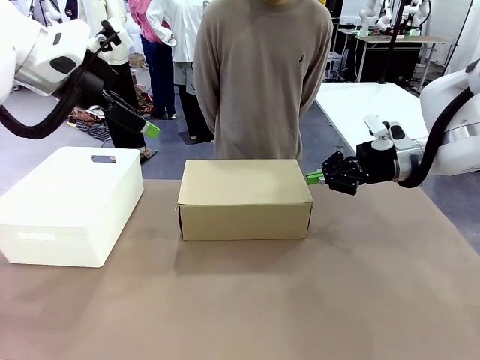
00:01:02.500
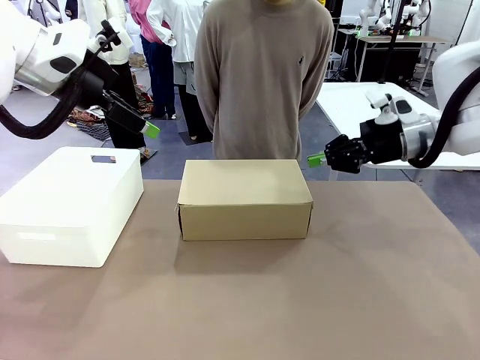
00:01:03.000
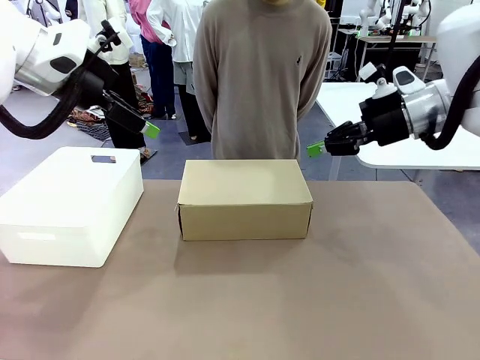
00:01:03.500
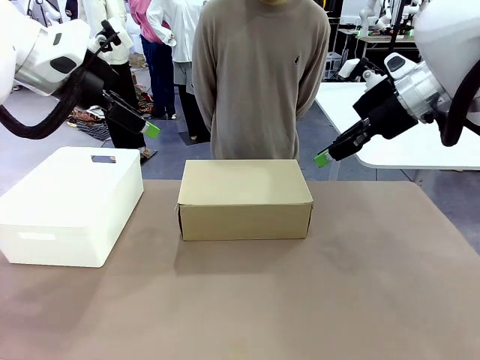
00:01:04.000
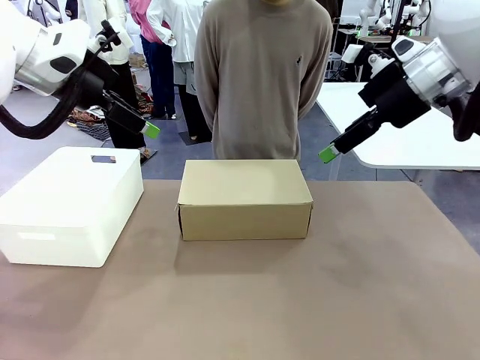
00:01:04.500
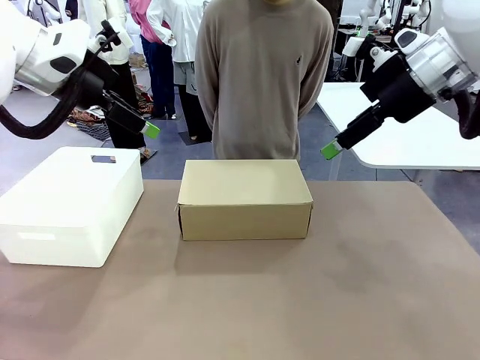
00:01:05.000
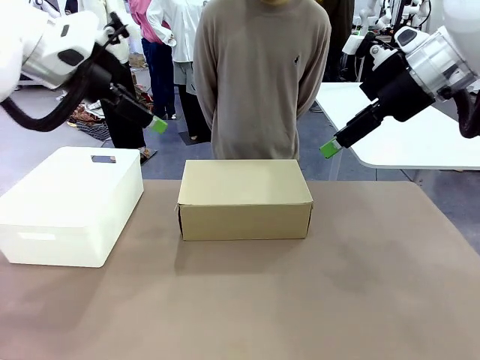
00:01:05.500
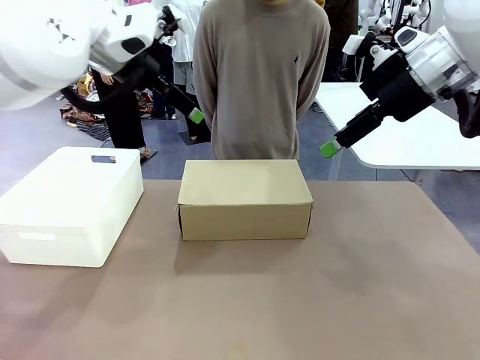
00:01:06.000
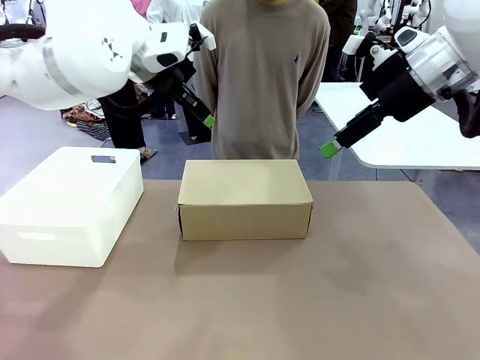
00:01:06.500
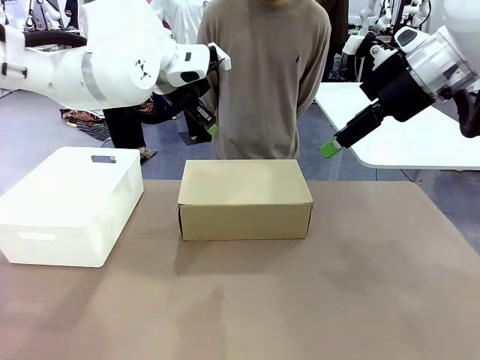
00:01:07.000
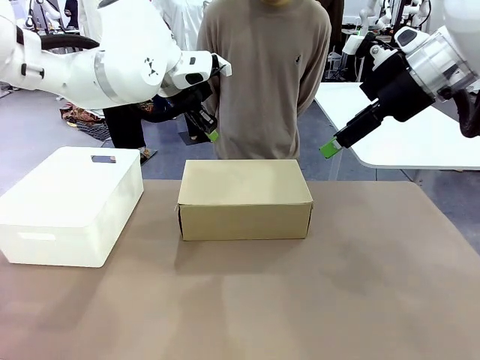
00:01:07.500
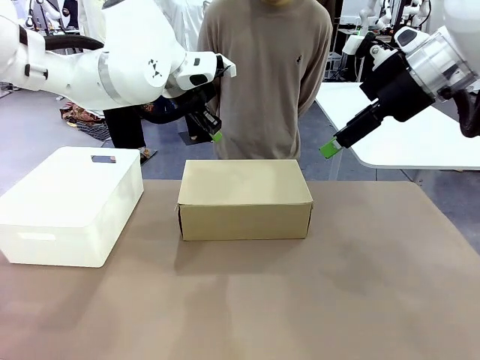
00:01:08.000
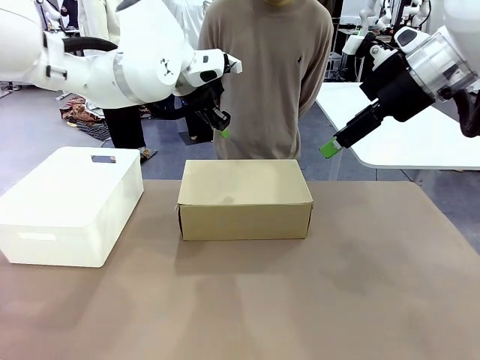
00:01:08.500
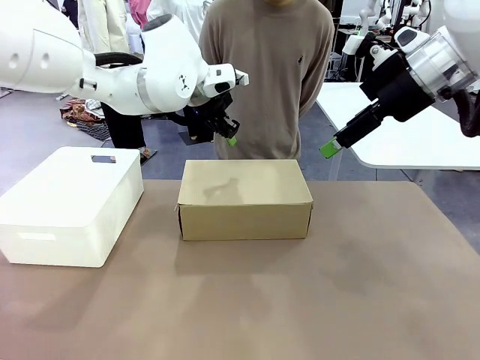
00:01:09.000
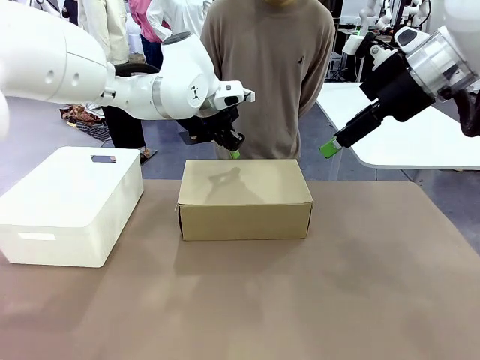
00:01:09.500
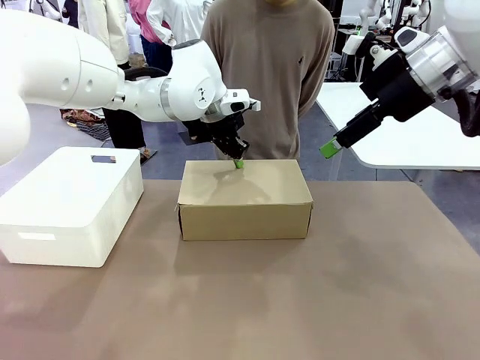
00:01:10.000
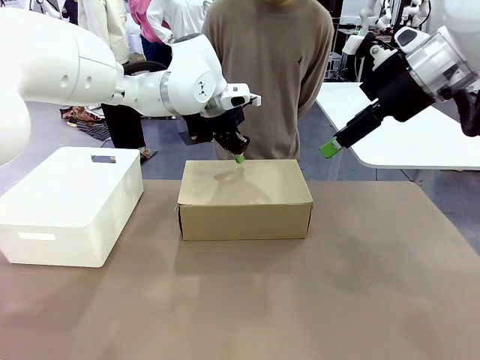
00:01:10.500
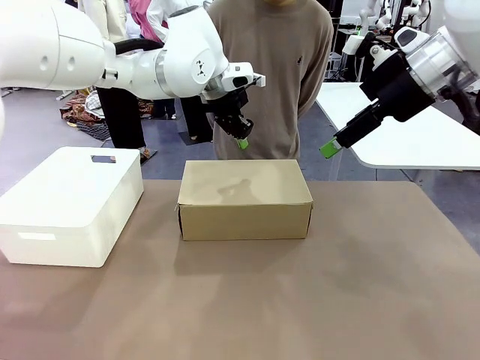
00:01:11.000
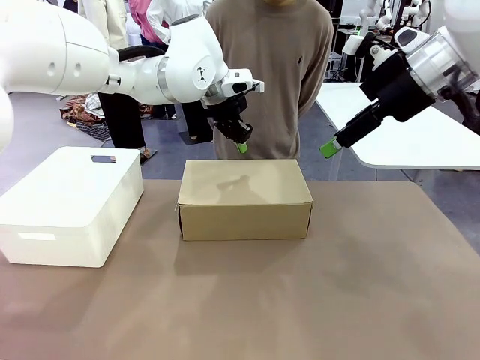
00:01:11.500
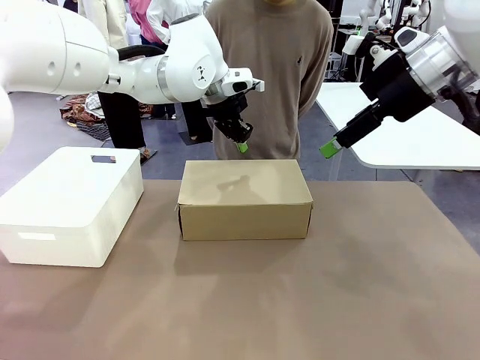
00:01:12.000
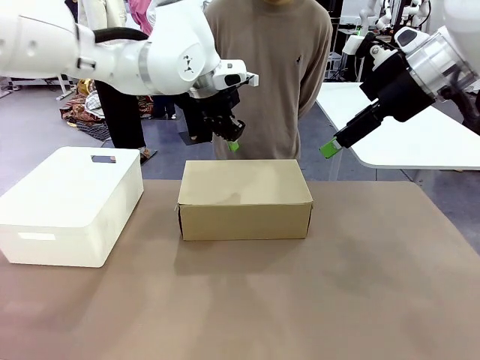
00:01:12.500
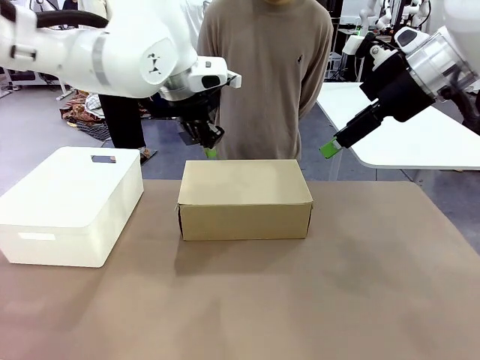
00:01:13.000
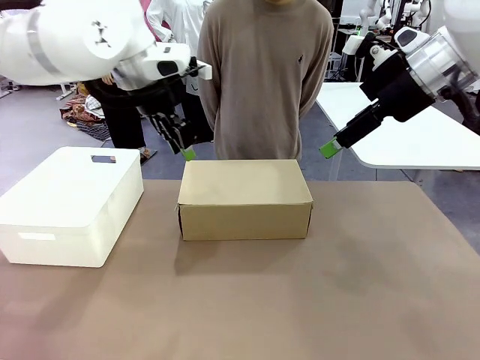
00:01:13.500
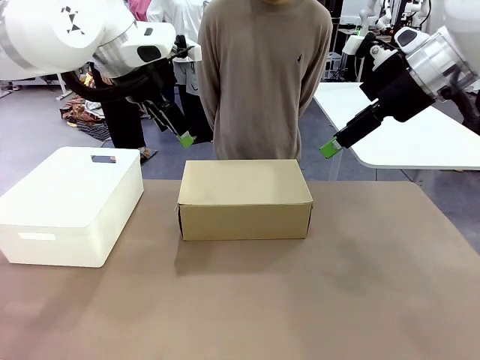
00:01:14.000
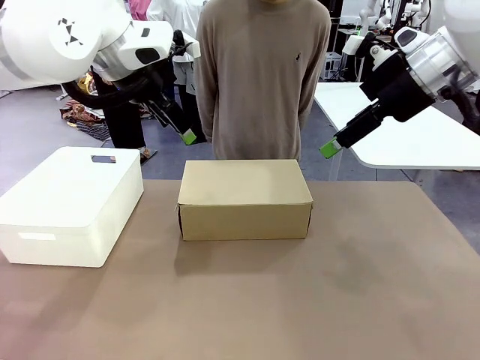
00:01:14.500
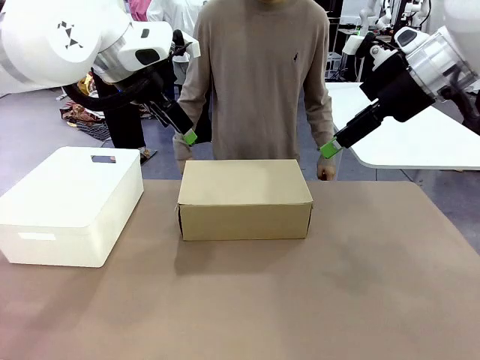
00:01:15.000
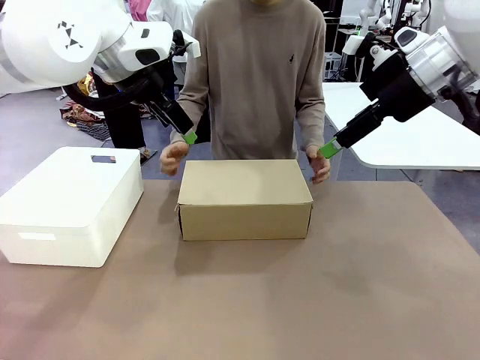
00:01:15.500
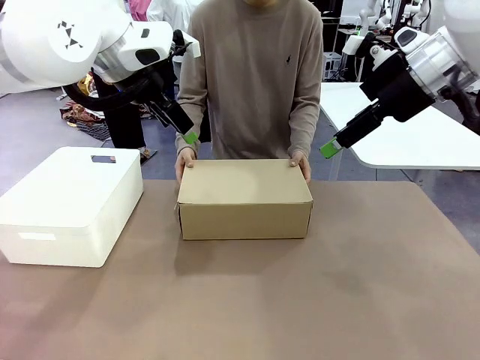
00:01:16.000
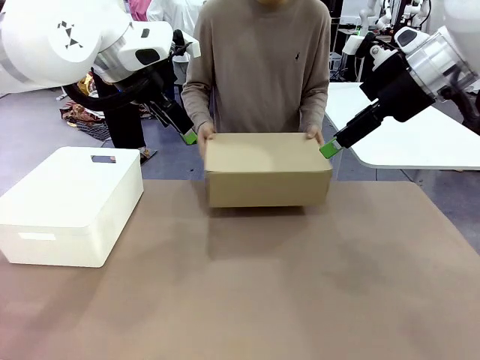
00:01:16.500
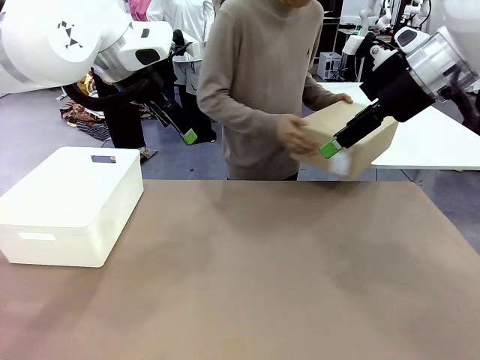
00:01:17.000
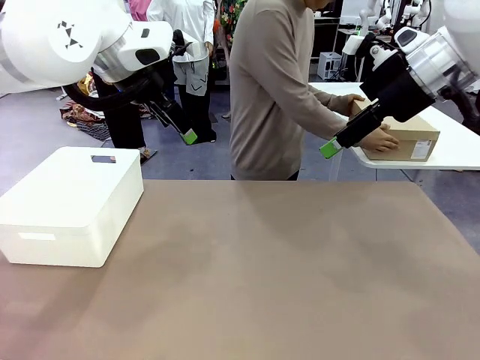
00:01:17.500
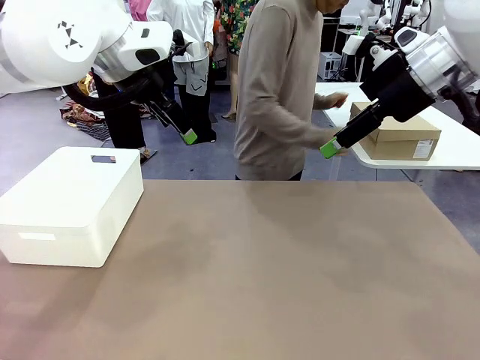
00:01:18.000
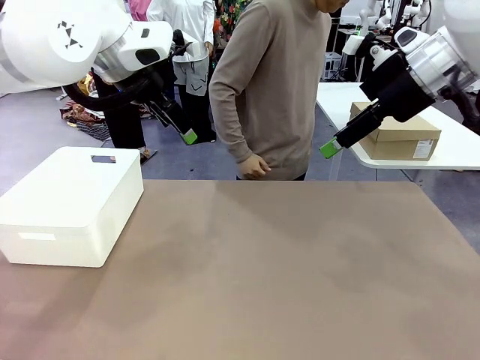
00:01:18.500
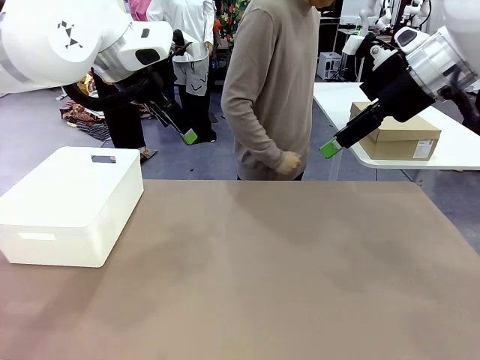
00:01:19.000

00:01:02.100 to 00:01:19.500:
Task: Pack the shoes into the box.
Robot: Press down on the lid of the Shoes Box.
Person: Place the closed Shoes Box to the right side of the human table.

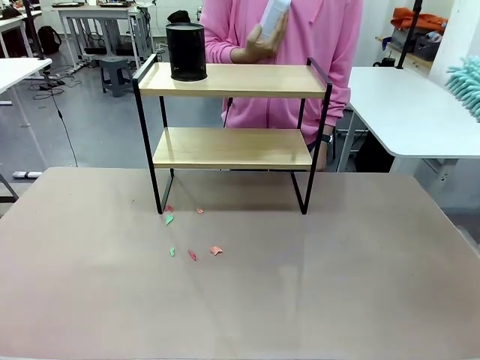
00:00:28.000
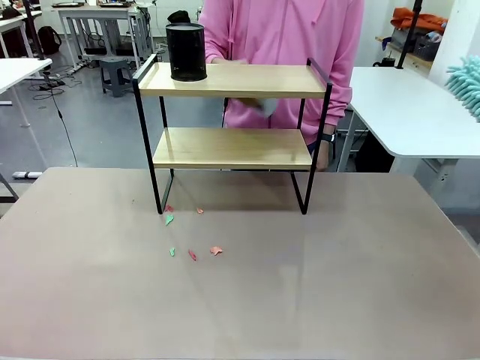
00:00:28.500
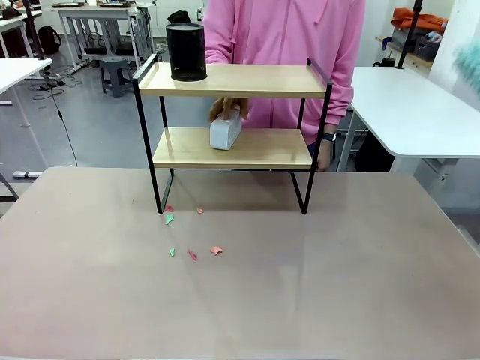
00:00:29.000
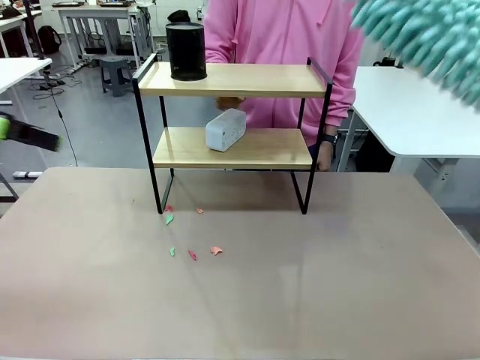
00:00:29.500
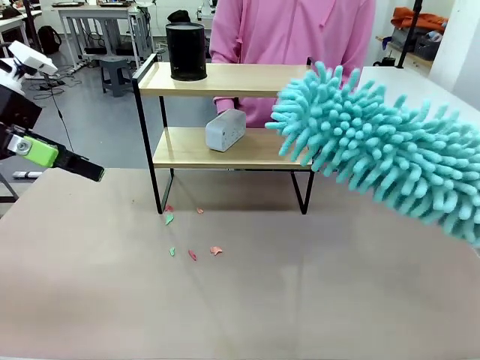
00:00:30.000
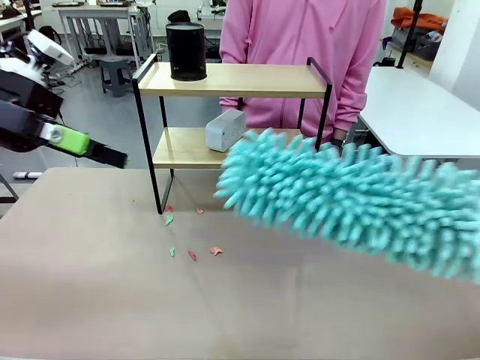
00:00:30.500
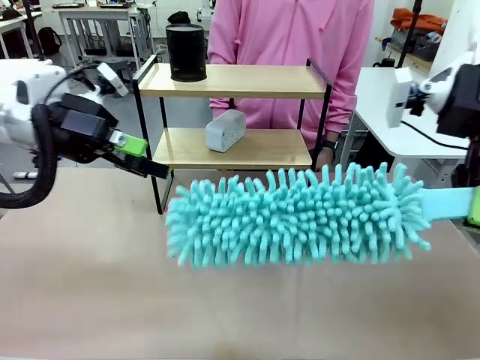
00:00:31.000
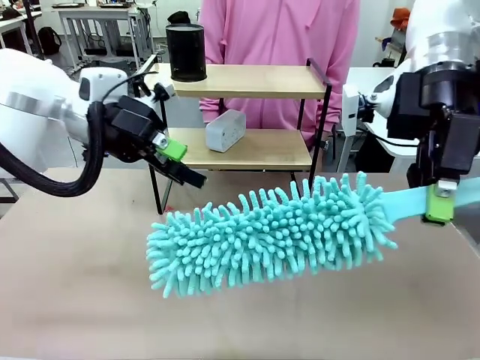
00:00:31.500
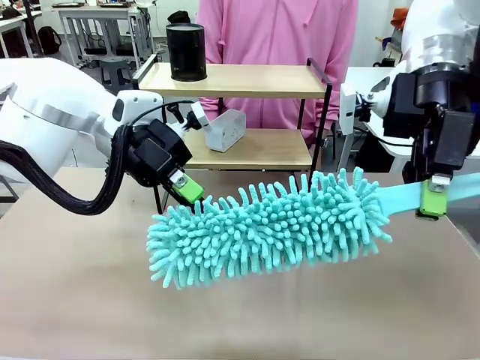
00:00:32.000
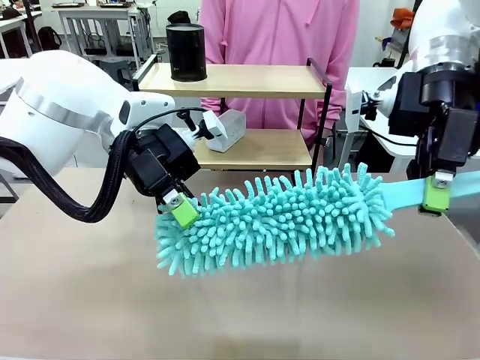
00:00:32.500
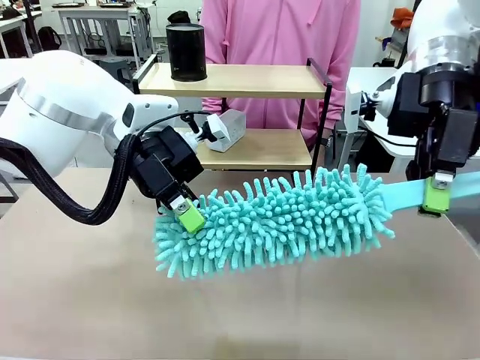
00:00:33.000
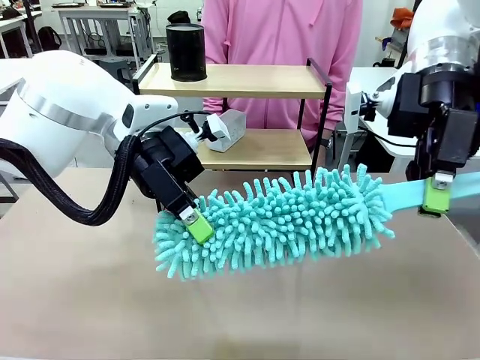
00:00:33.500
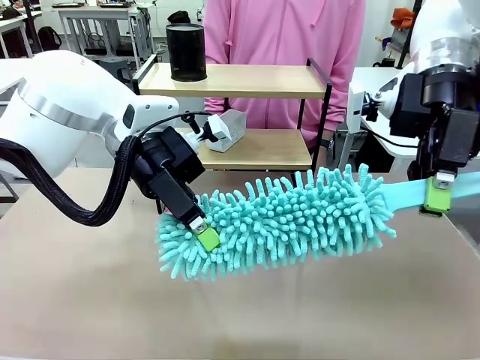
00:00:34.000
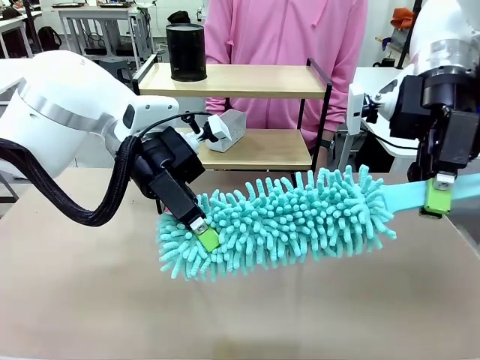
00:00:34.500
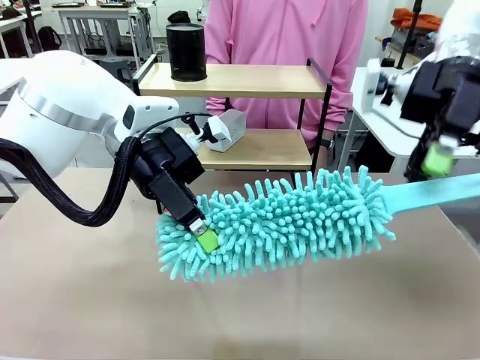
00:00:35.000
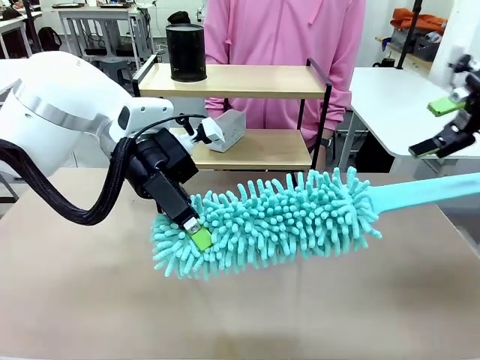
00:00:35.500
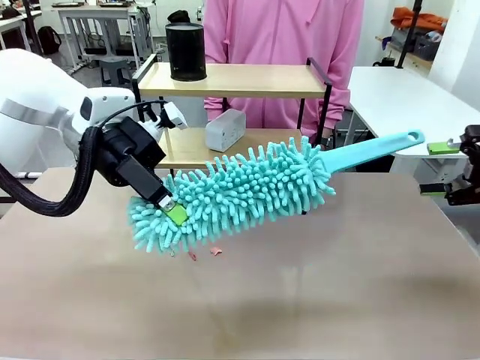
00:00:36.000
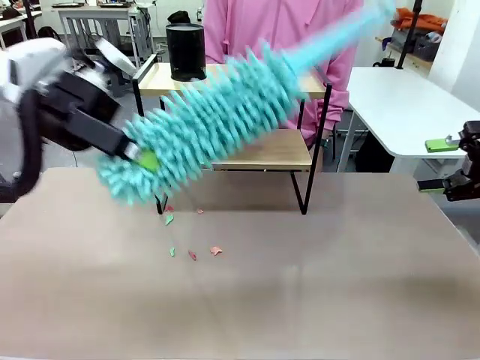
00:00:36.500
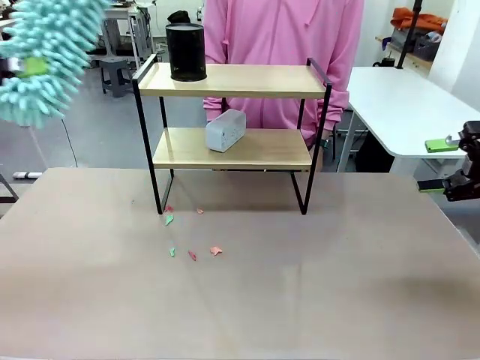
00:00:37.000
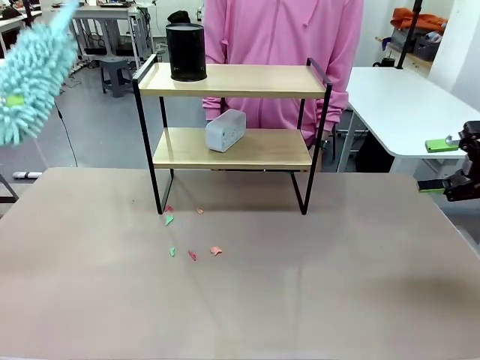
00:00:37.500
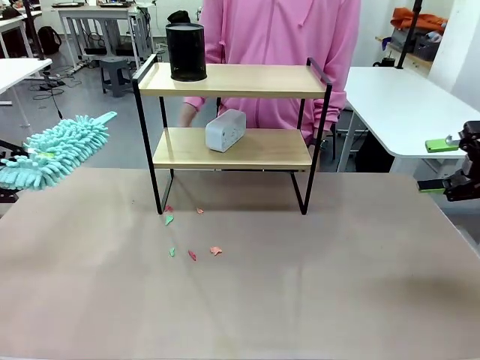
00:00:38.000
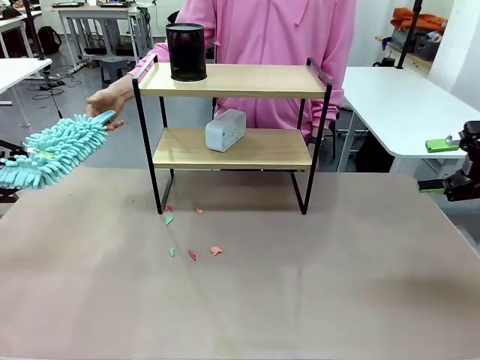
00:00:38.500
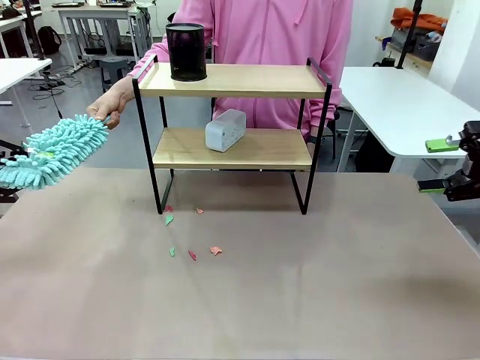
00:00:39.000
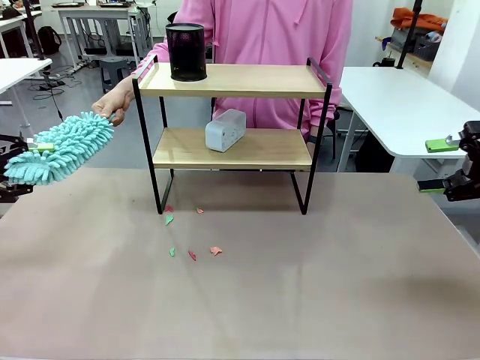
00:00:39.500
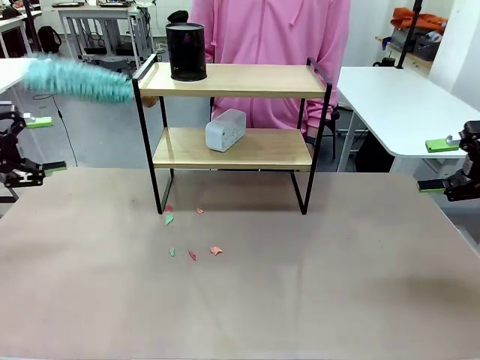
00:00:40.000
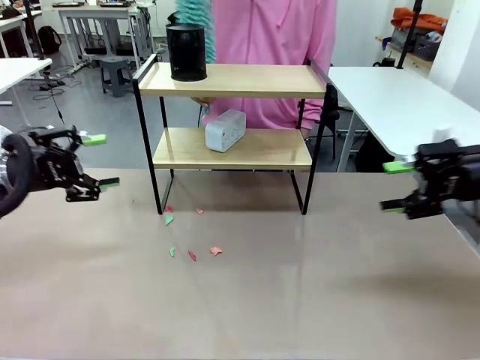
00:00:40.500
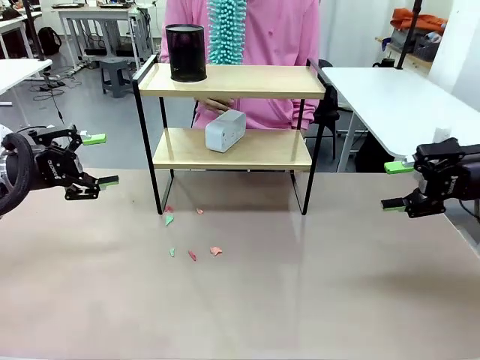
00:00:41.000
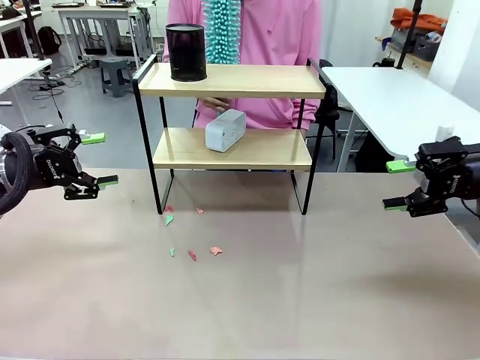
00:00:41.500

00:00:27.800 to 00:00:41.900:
Task: Clean the shelf.
Robot: Hand the Duster back to the human.
Person: Receive the Duster from the robot.
